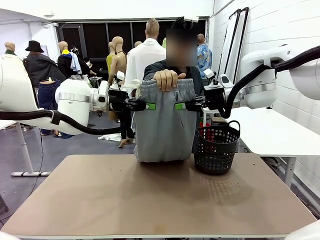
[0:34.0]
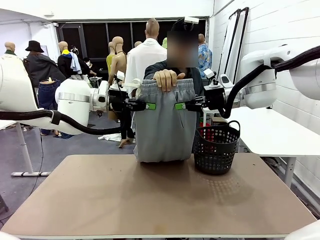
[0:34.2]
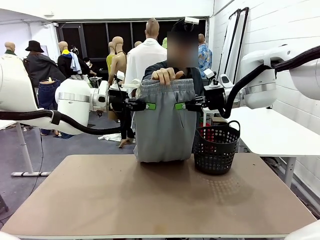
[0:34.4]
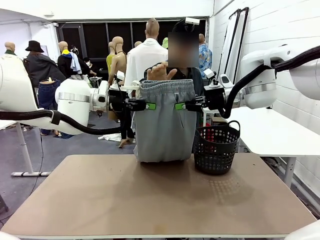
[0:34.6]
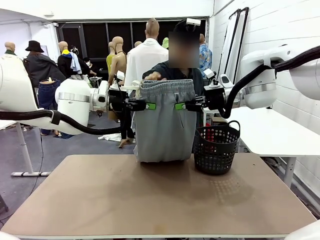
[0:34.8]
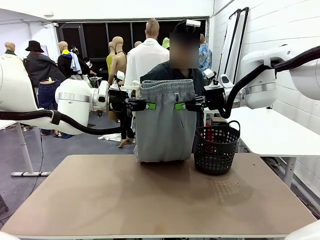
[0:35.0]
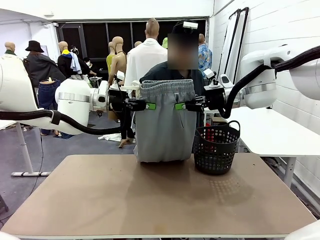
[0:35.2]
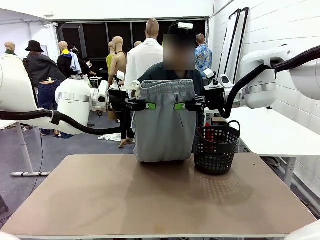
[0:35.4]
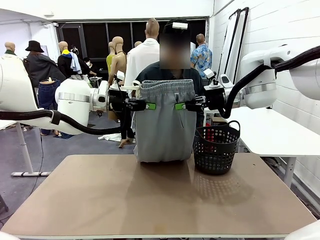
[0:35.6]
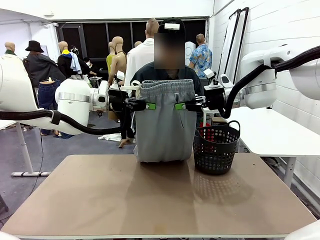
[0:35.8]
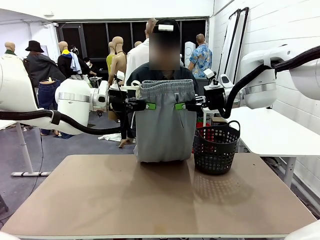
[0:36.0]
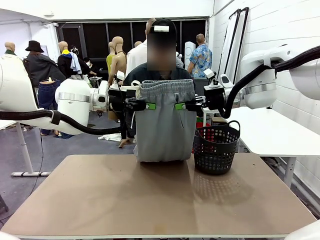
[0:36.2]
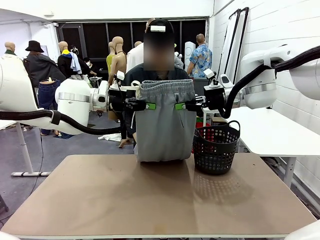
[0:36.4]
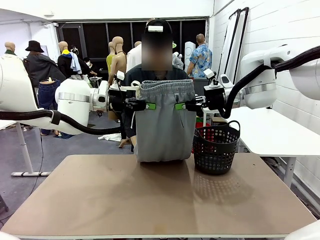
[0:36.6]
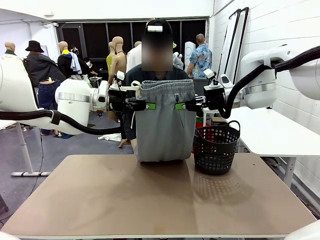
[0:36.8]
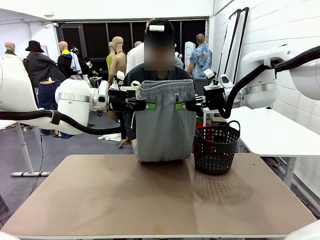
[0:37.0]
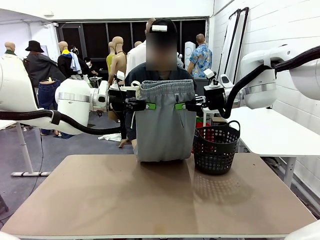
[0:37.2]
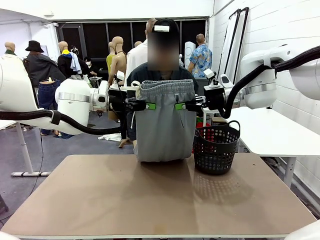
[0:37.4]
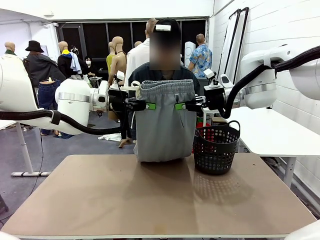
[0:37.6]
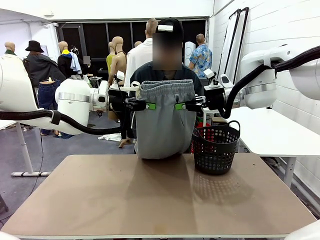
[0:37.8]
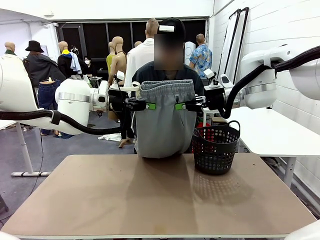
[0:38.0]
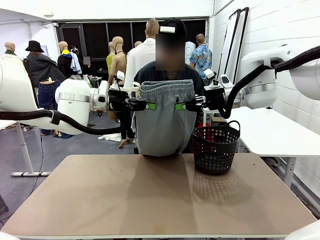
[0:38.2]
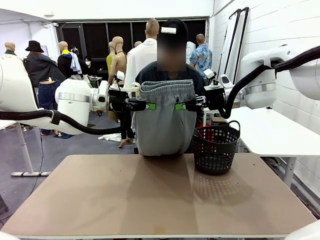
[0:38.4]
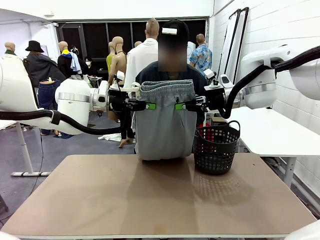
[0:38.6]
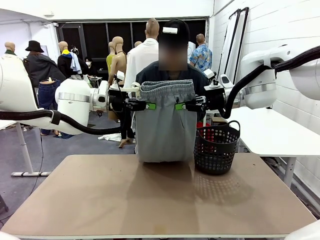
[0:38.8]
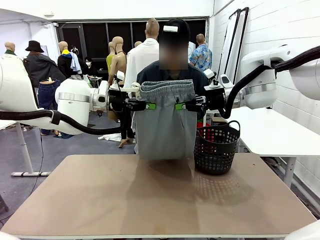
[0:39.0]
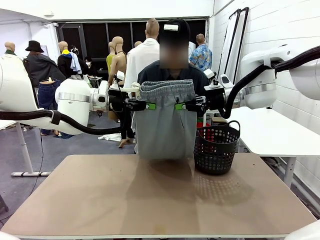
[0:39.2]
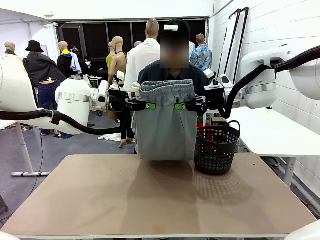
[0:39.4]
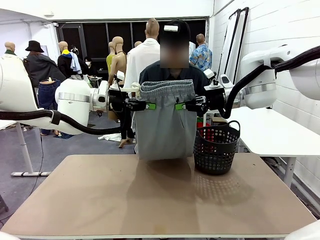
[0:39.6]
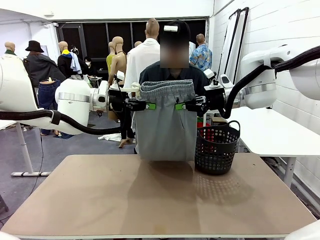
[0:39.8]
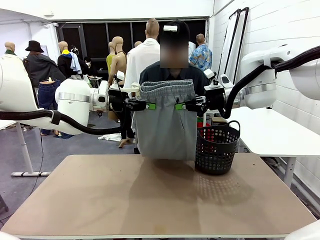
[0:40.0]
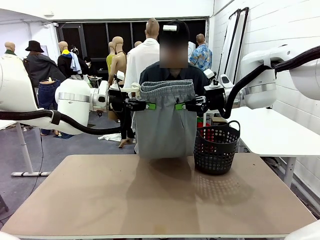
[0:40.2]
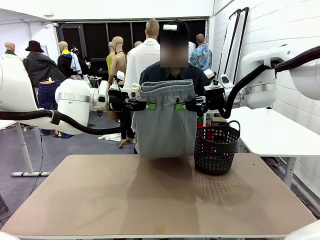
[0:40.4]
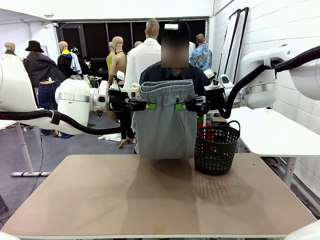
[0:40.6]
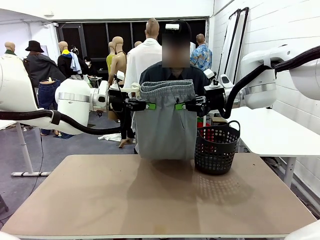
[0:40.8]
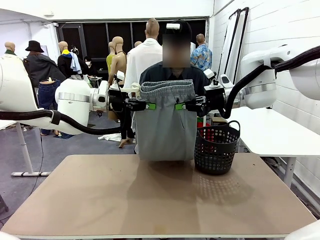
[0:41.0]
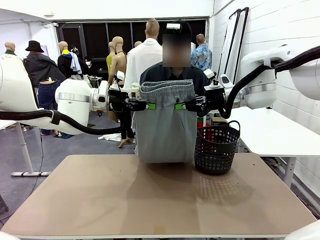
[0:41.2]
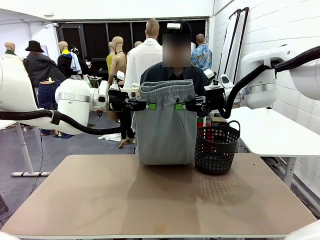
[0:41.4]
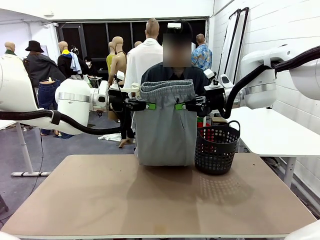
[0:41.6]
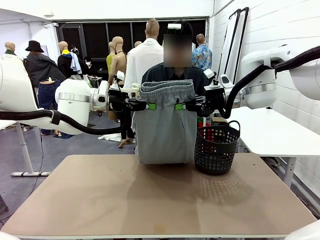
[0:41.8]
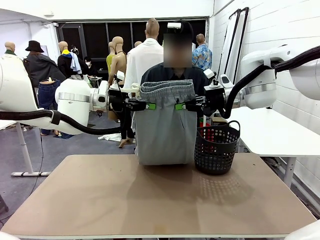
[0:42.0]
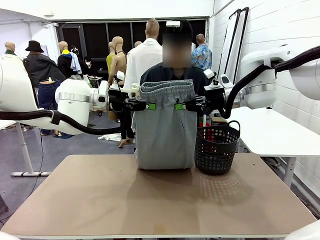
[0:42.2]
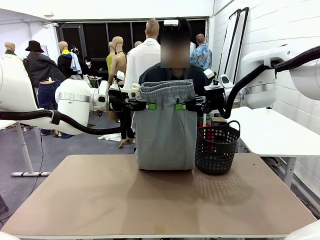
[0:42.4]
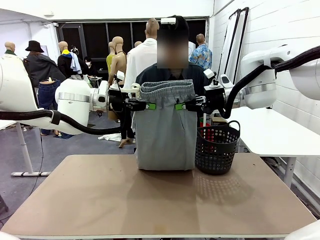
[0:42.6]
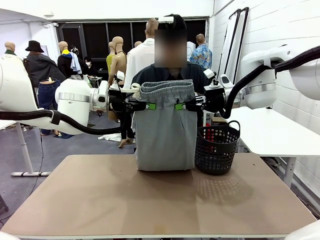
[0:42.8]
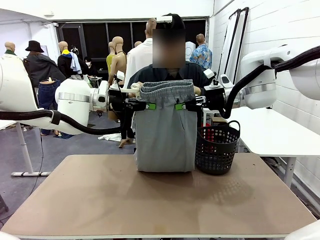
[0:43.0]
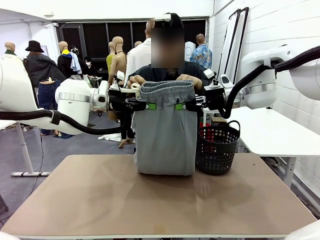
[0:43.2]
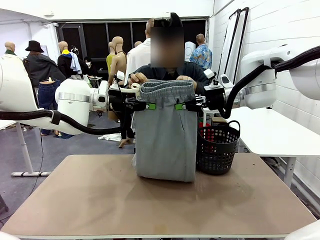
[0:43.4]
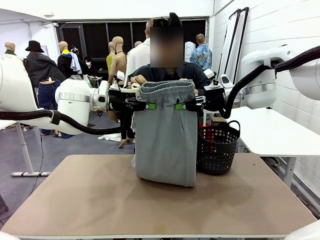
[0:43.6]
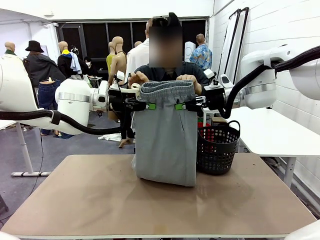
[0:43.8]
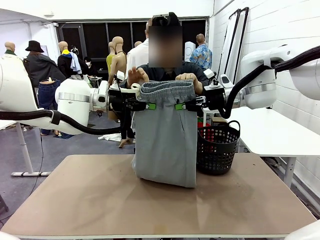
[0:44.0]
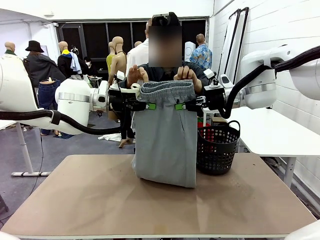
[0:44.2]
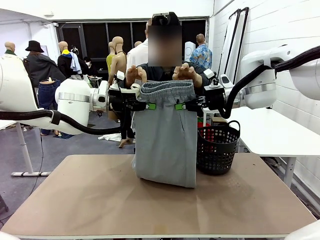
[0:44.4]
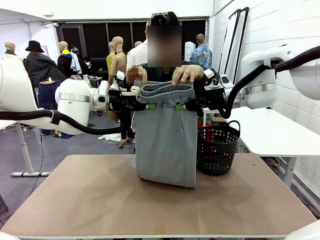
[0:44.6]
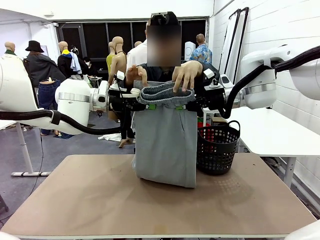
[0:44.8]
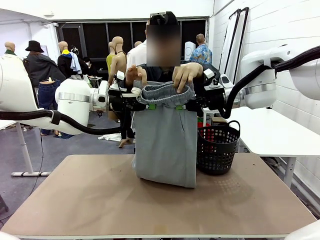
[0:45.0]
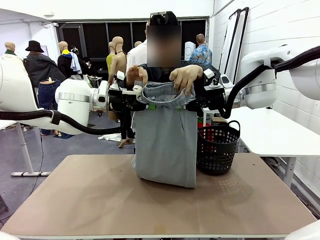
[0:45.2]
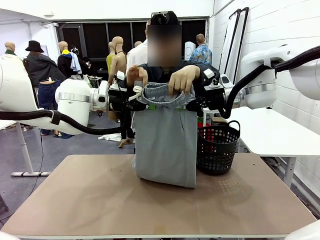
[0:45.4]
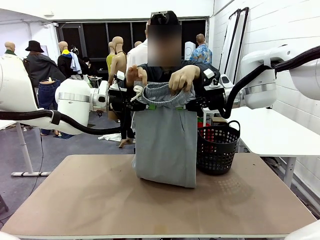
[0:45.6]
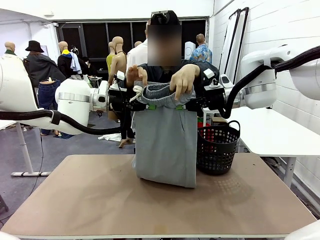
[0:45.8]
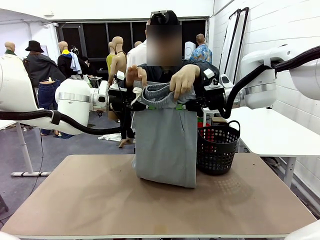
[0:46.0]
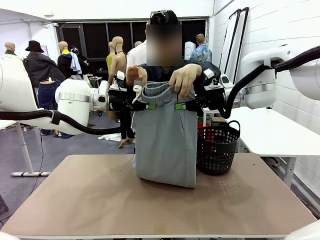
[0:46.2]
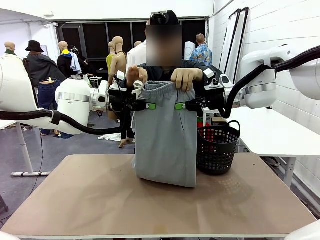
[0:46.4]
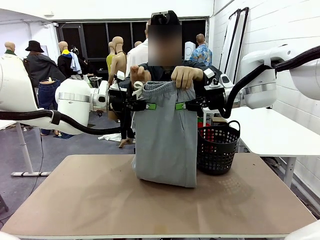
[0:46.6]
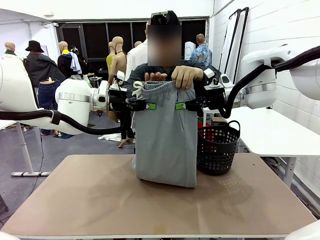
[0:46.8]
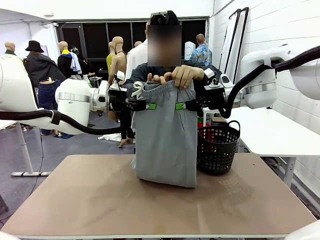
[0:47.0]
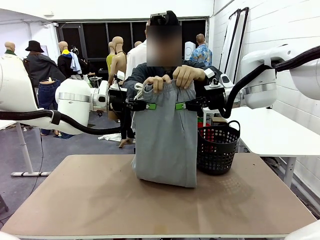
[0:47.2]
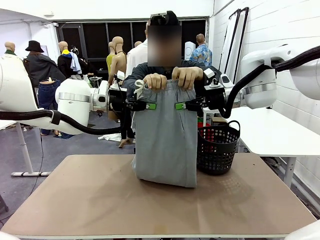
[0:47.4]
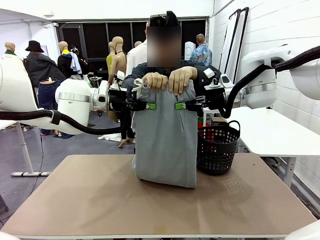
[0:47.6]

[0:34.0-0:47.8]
Task: Fold the training pants.
Robot: Release the ends of the Training pants and then grab the overlapped ends.
